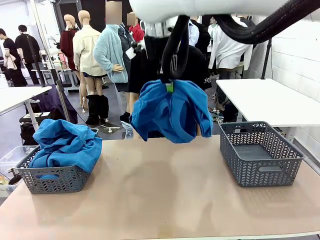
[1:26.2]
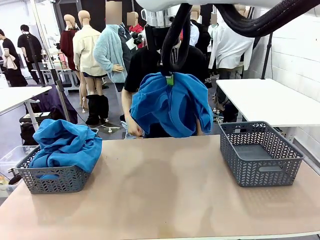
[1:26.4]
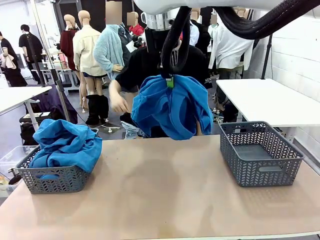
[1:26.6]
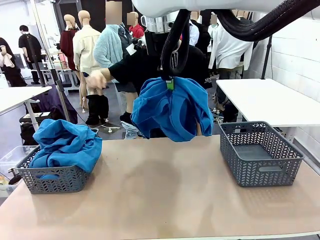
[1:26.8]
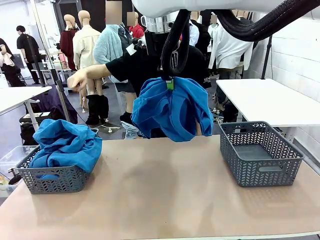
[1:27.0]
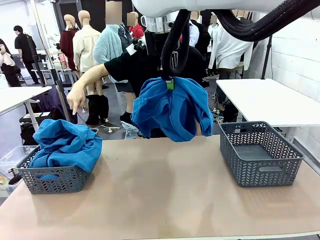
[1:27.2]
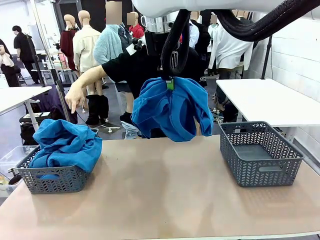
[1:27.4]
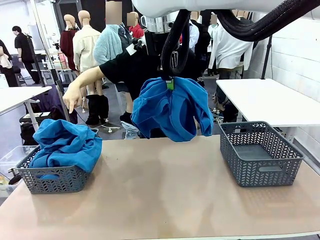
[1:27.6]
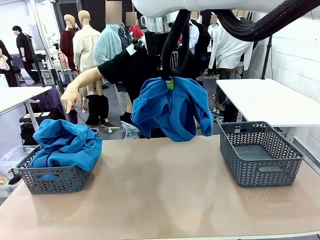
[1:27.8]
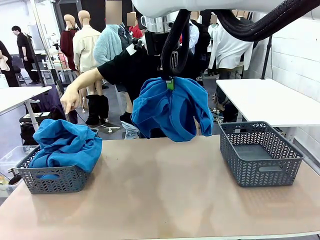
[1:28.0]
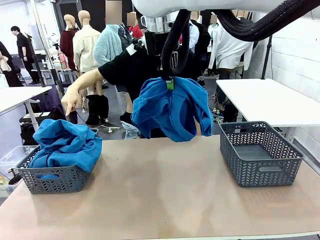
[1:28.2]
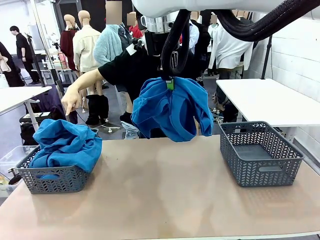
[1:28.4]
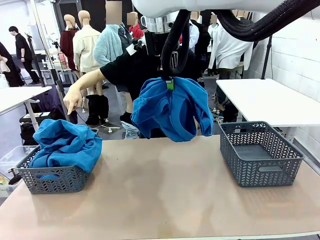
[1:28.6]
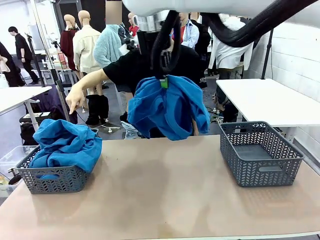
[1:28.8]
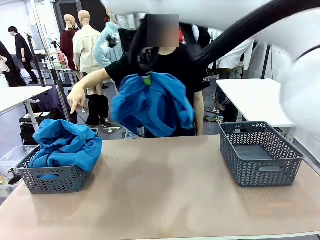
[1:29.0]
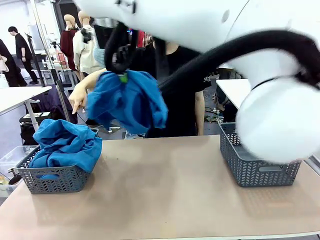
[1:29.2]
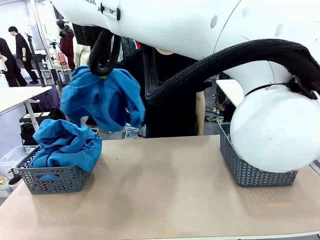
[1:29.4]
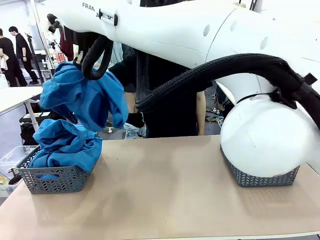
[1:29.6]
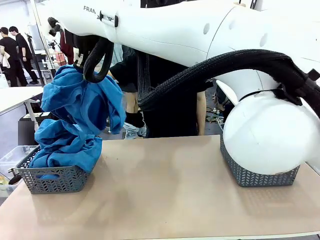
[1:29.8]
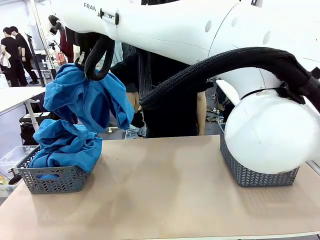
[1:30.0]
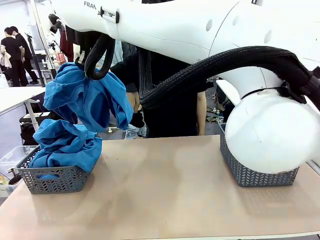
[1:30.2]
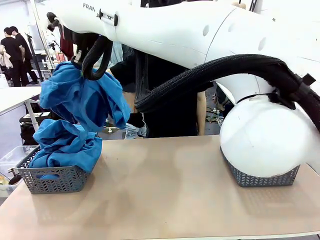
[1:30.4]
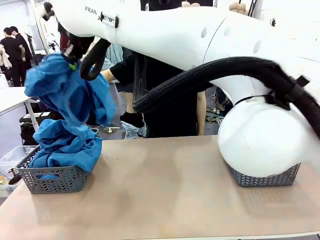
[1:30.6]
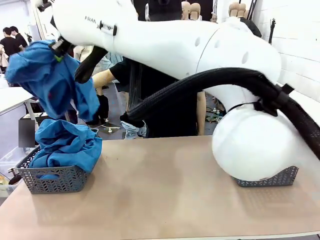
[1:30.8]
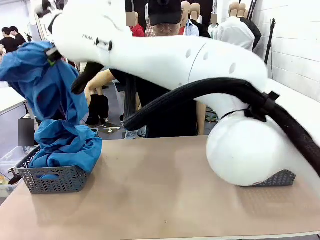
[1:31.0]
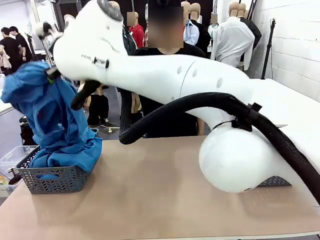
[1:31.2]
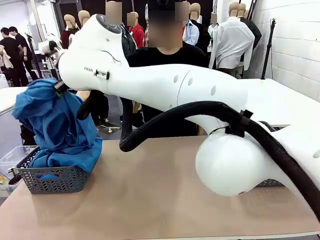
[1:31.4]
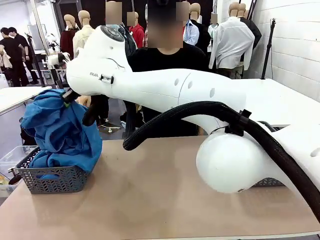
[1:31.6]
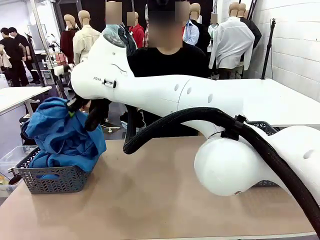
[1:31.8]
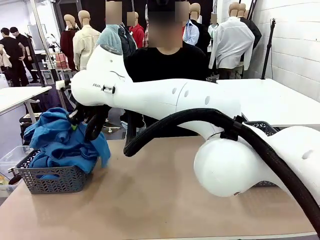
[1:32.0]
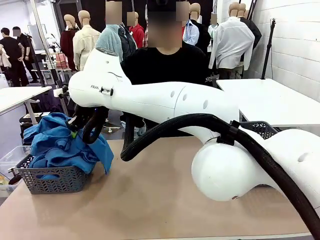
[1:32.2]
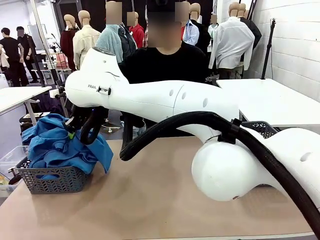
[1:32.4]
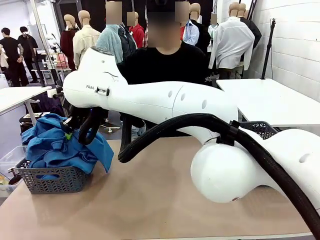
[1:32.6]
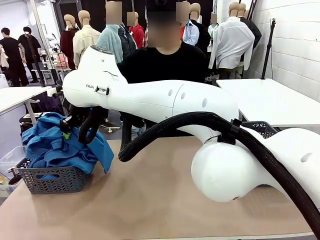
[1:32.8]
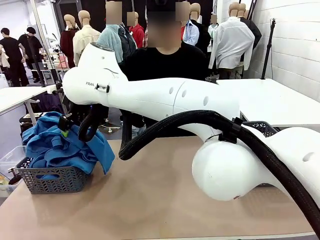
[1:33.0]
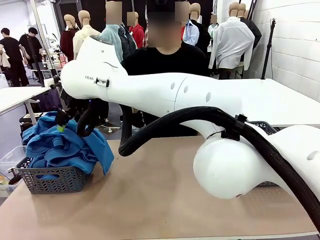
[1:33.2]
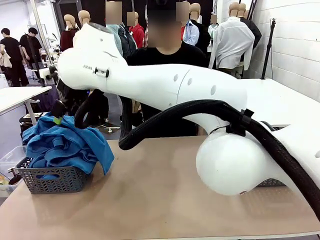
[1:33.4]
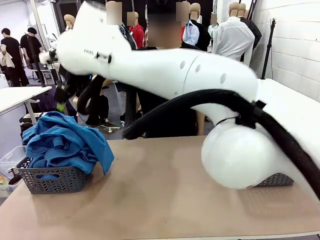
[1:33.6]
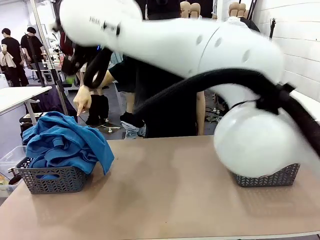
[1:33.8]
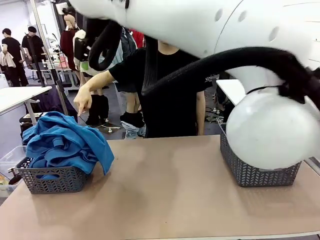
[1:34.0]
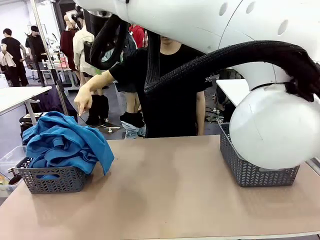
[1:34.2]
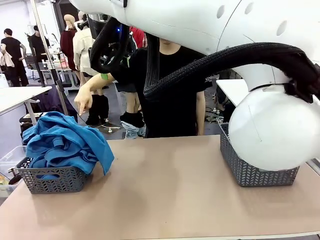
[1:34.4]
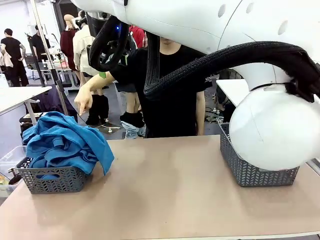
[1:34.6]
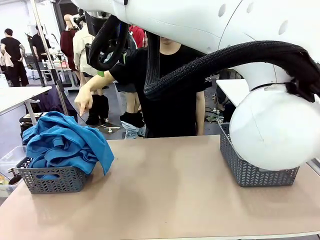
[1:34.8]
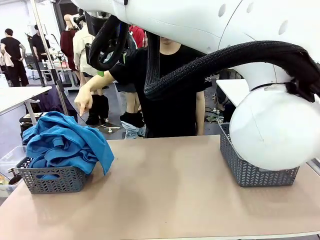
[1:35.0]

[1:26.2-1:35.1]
Task: Sort the tops and bottoms.
Robot: Sort the clothes according to human instructions.

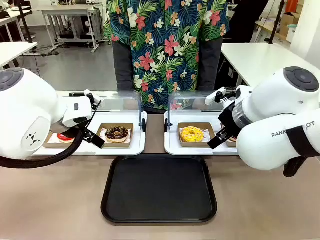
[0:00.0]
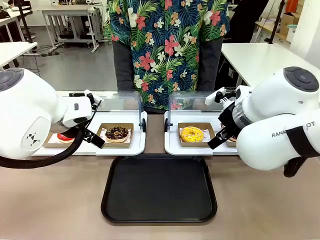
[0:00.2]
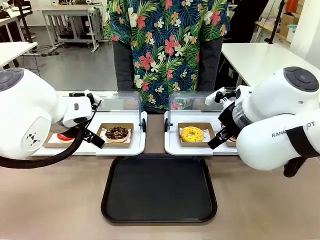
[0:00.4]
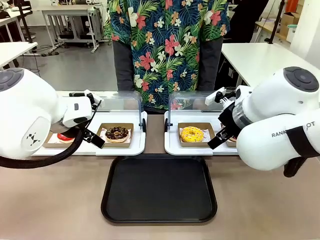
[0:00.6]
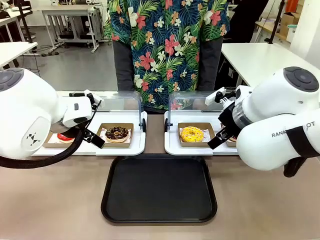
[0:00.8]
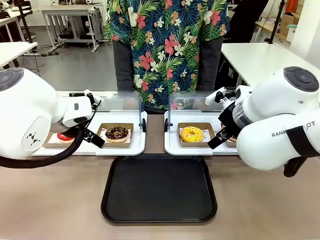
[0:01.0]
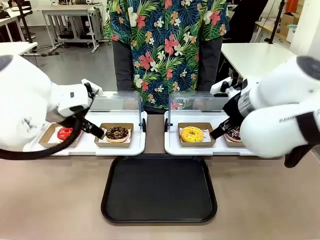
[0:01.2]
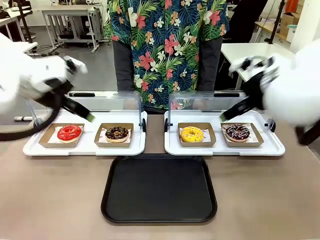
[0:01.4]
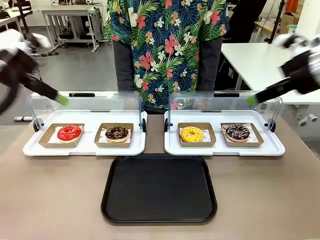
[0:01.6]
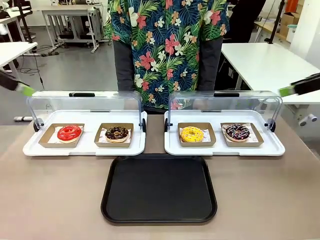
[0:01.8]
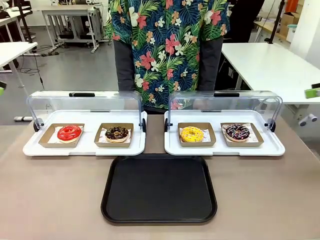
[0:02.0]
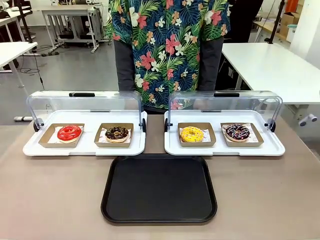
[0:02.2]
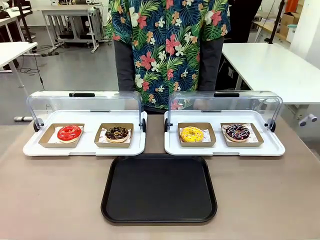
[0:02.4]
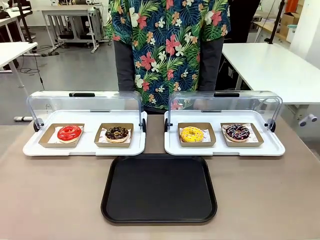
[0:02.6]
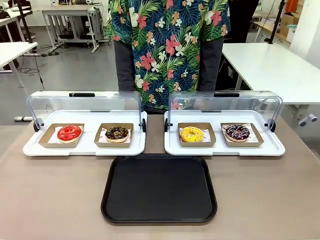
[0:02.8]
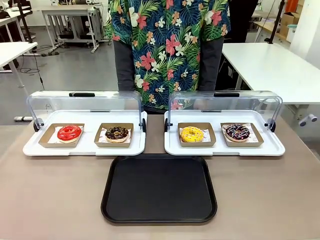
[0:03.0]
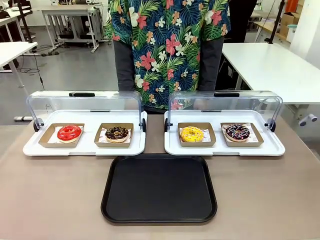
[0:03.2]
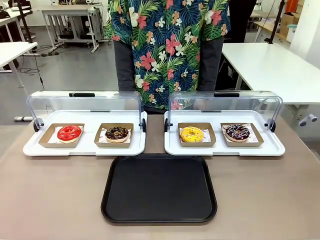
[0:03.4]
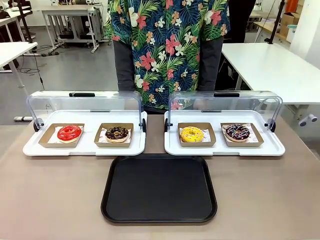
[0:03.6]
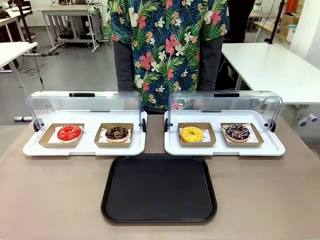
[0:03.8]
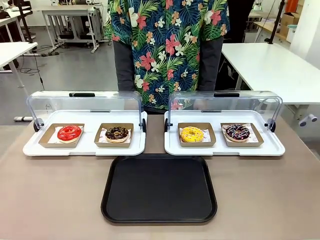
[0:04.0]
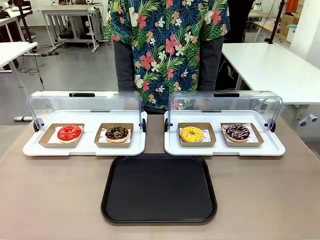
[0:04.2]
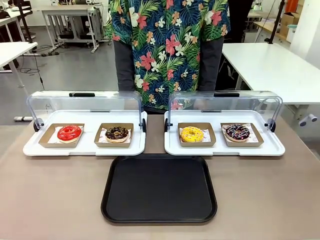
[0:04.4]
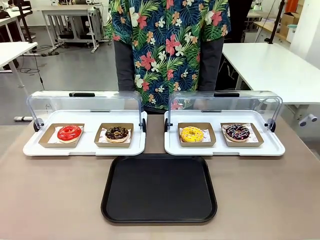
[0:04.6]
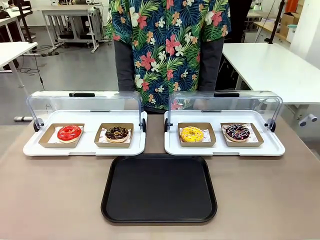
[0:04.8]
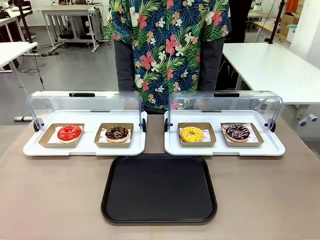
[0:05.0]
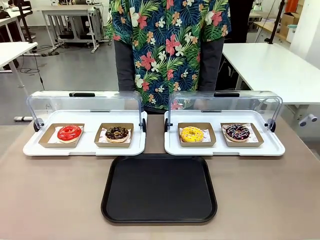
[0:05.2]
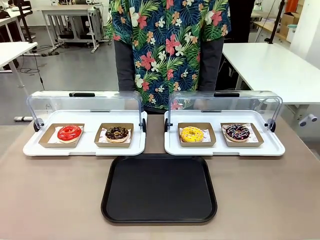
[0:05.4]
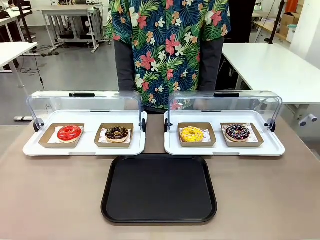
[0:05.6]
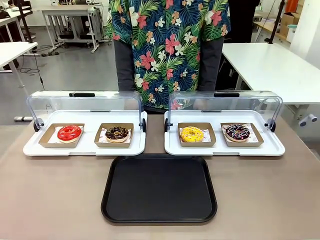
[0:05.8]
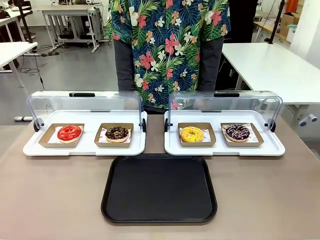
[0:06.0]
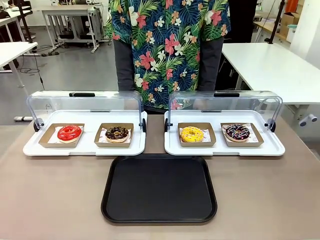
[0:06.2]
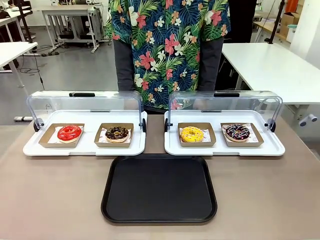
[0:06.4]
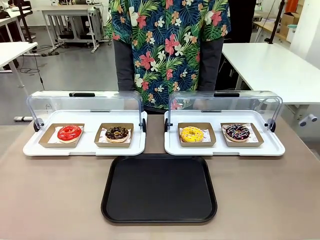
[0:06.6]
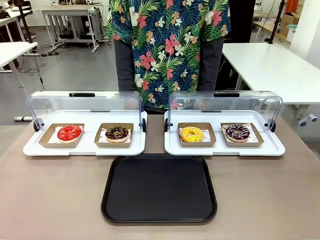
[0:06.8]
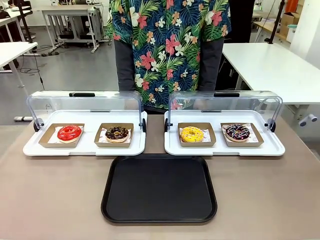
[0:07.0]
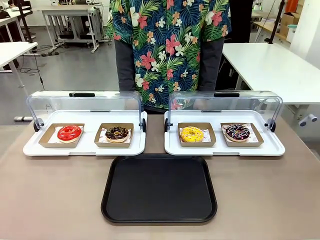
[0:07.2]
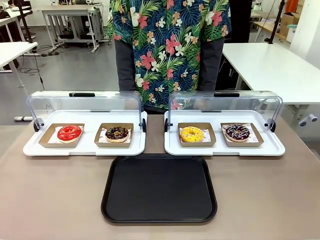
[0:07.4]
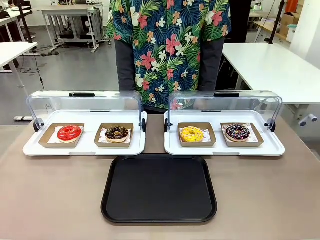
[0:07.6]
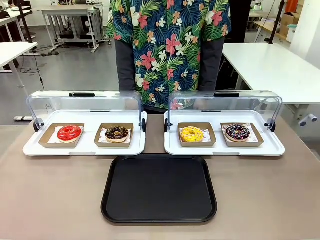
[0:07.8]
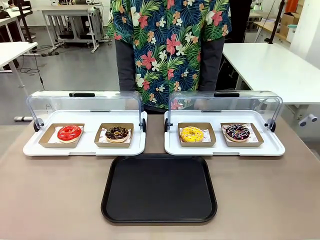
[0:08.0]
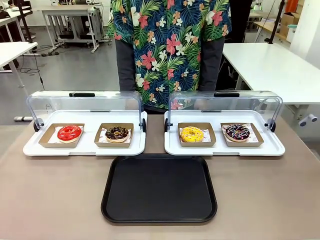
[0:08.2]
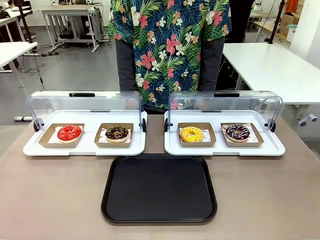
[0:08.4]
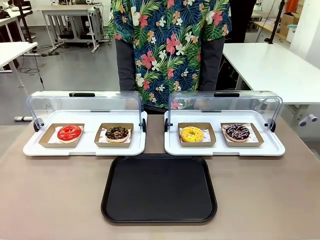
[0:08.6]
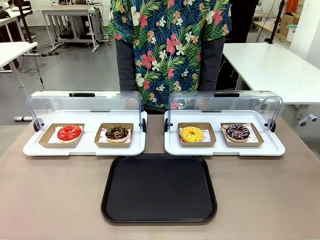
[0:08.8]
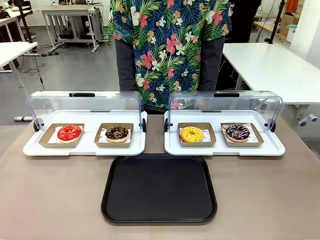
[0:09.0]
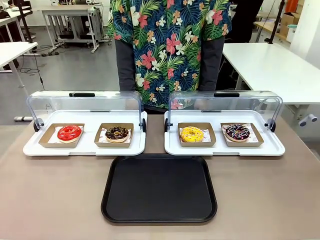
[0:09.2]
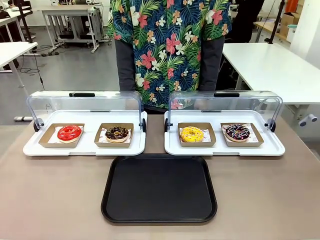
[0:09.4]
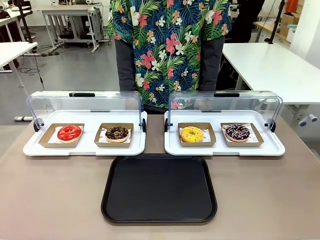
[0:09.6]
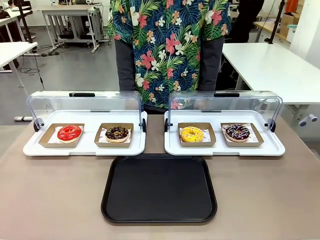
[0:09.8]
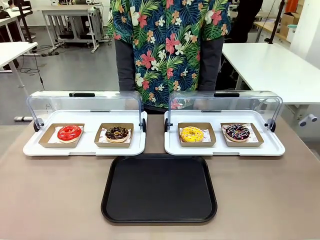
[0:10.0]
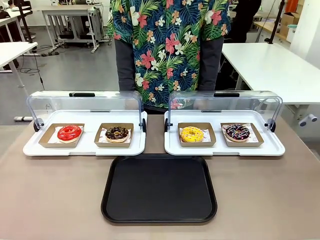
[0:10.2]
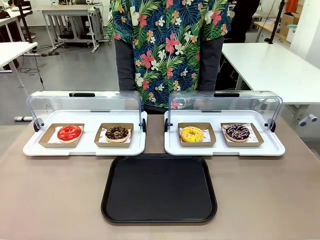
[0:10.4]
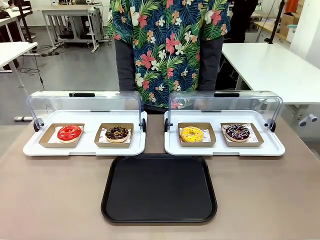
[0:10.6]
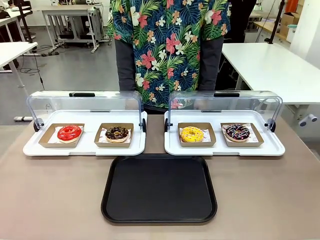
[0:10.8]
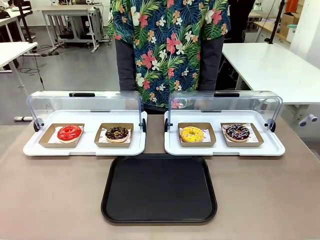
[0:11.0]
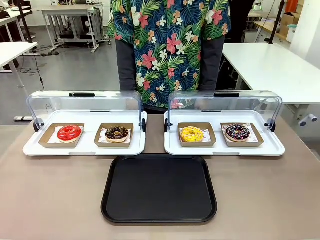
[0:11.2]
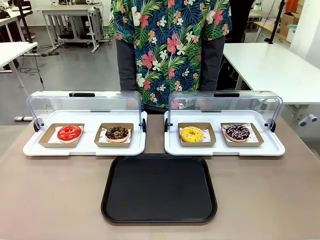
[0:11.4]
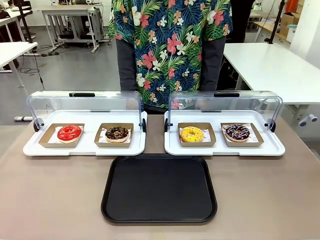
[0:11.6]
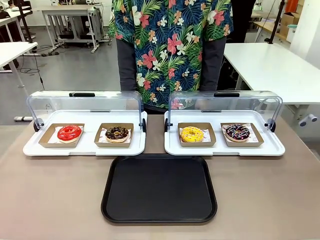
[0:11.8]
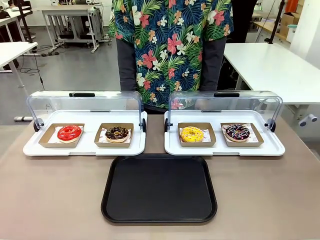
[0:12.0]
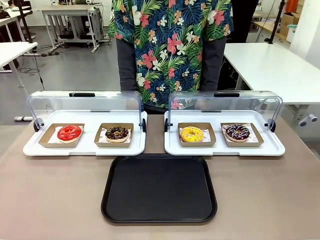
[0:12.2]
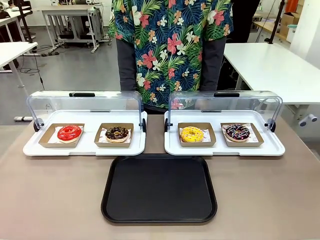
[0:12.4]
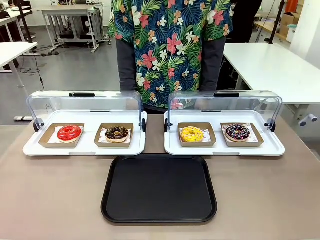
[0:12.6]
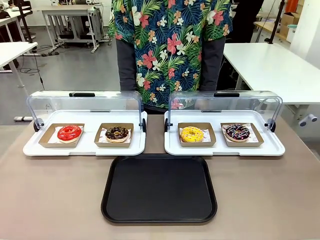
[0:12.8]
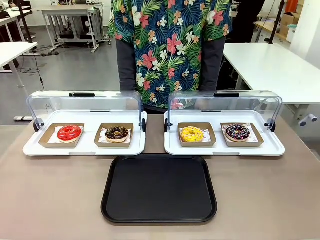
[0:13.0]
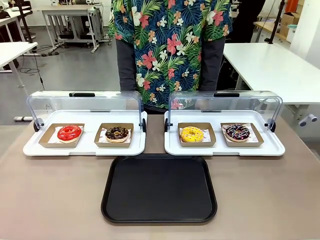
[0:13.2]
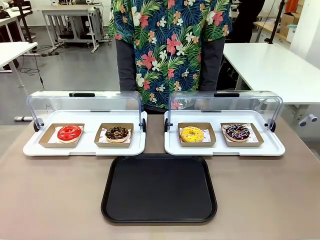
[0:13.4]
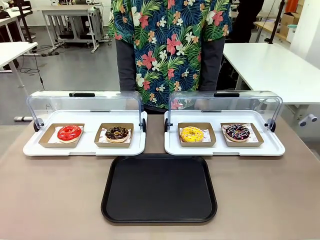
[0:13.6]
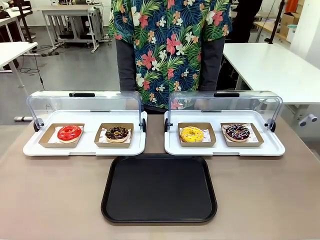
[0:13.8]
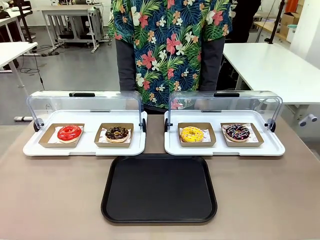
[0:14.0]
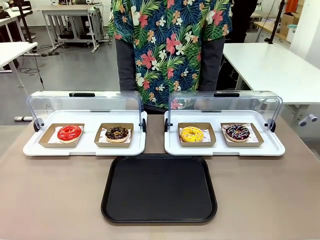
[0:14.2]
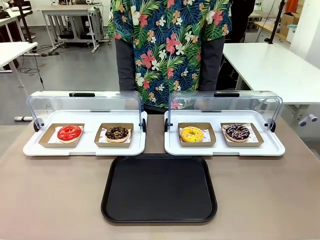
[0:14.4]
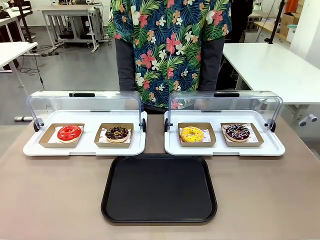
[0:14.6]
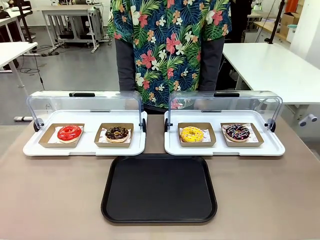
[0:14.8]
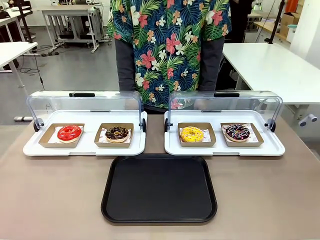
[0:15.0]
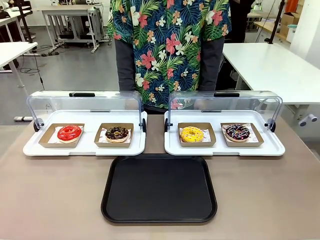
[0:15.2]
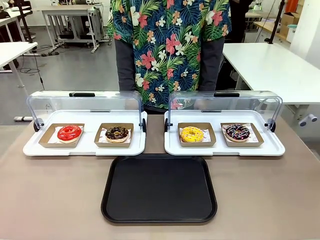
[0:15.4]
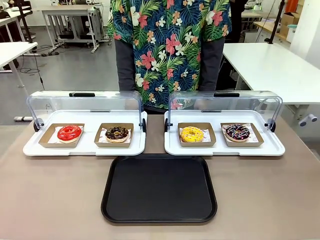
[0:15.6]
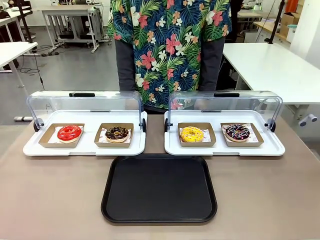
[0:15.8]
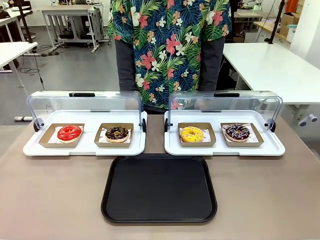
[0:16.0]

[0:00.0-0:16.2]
Task: Move the fourth donut from the left to the tray.
Robot: Pick up the Paper togo box containing the Donut indicated by the person and place it on the Handle tray.
